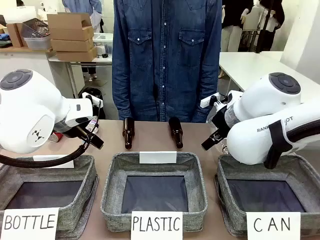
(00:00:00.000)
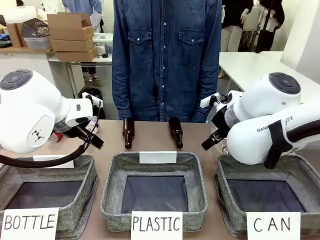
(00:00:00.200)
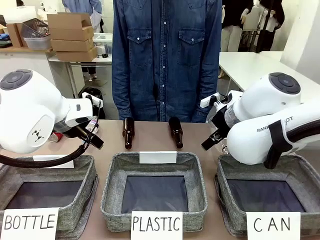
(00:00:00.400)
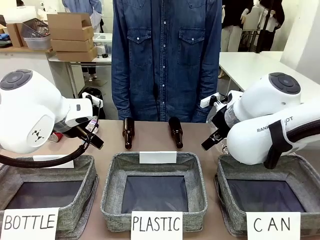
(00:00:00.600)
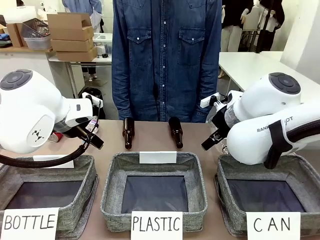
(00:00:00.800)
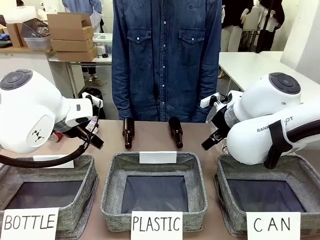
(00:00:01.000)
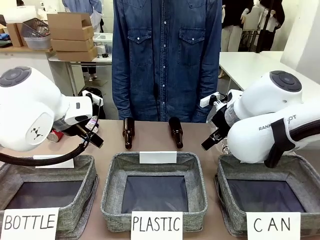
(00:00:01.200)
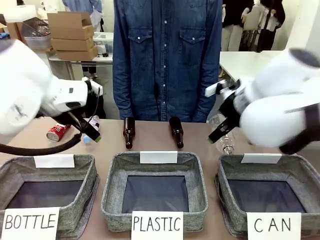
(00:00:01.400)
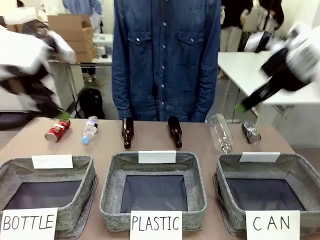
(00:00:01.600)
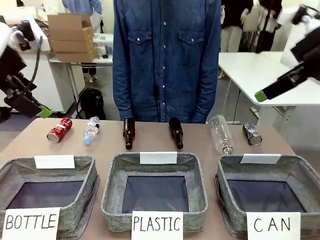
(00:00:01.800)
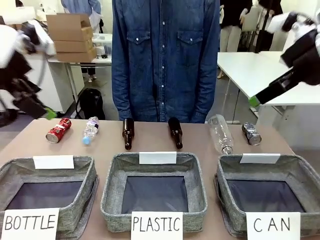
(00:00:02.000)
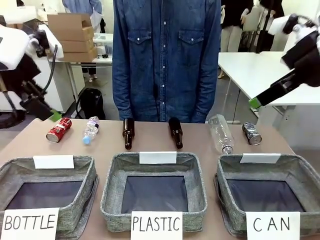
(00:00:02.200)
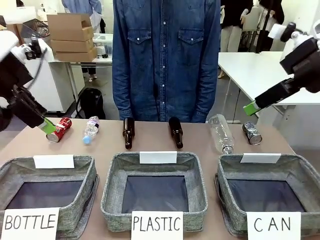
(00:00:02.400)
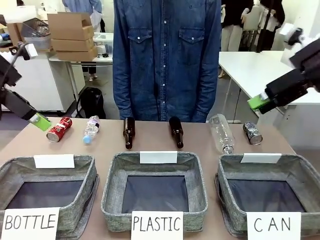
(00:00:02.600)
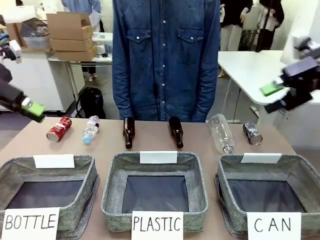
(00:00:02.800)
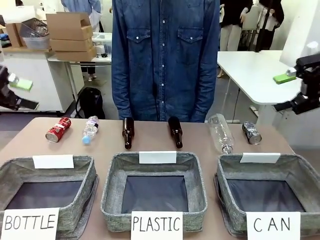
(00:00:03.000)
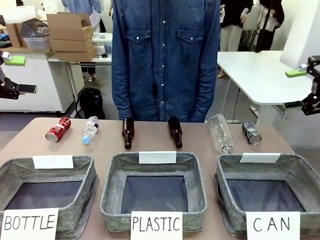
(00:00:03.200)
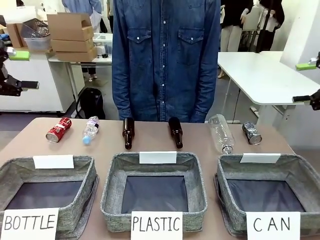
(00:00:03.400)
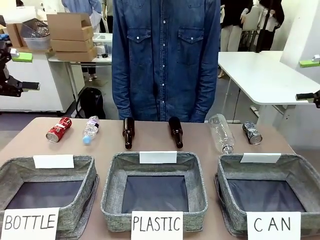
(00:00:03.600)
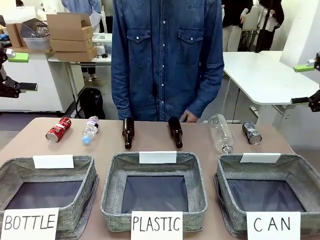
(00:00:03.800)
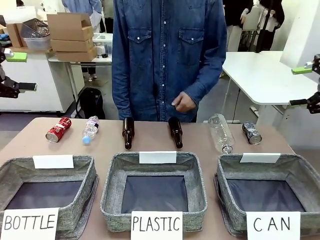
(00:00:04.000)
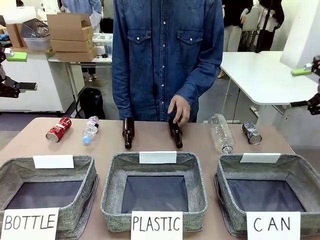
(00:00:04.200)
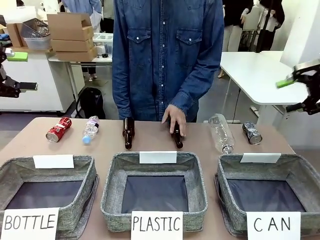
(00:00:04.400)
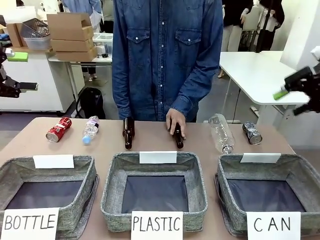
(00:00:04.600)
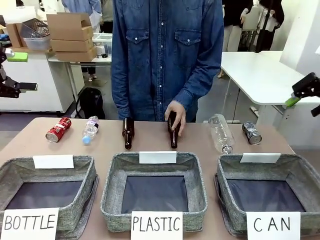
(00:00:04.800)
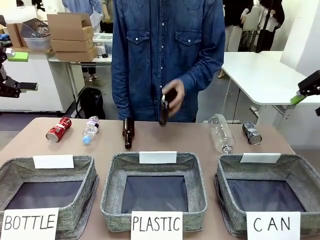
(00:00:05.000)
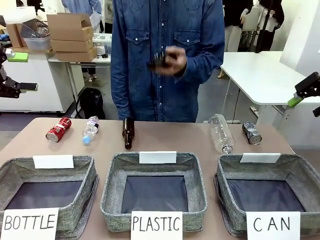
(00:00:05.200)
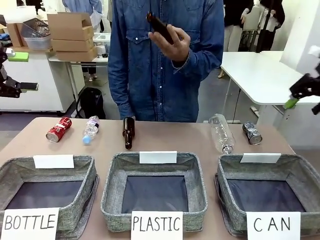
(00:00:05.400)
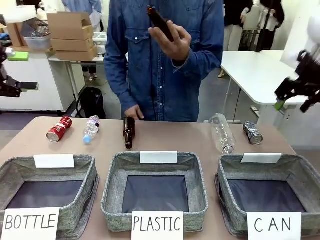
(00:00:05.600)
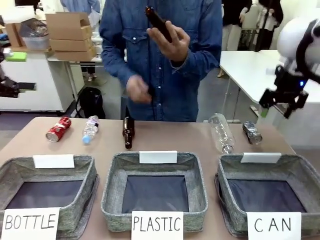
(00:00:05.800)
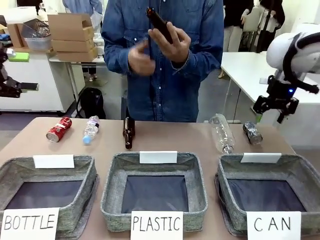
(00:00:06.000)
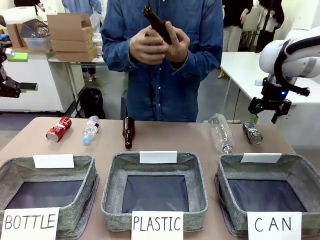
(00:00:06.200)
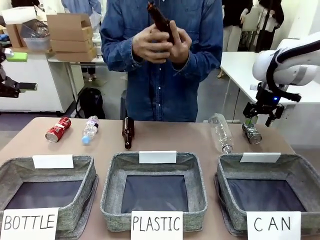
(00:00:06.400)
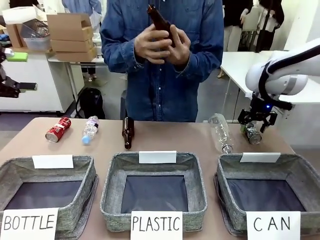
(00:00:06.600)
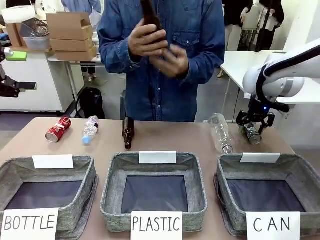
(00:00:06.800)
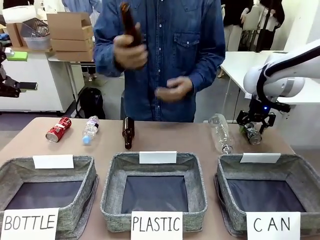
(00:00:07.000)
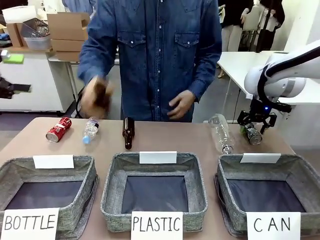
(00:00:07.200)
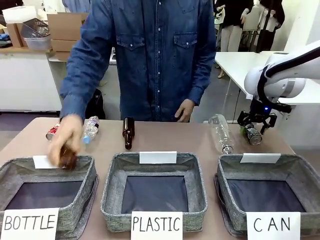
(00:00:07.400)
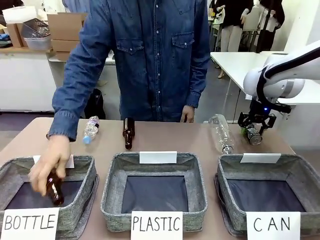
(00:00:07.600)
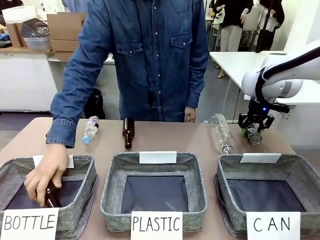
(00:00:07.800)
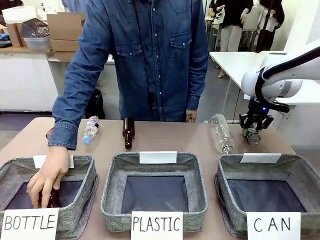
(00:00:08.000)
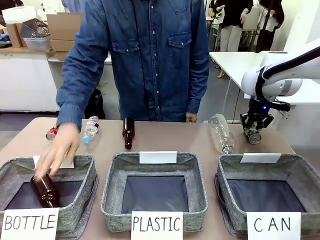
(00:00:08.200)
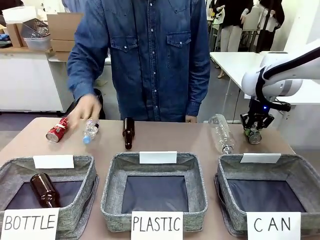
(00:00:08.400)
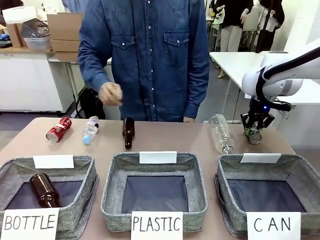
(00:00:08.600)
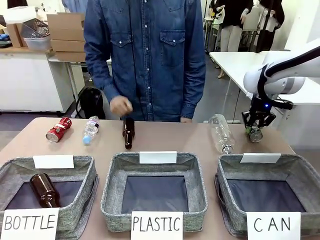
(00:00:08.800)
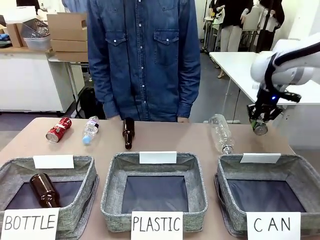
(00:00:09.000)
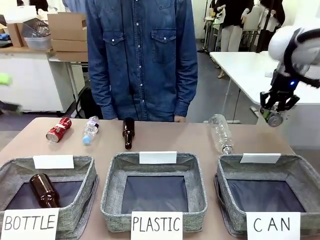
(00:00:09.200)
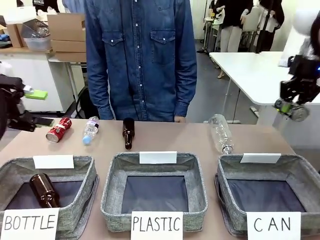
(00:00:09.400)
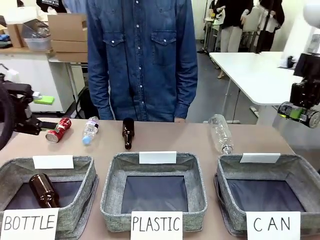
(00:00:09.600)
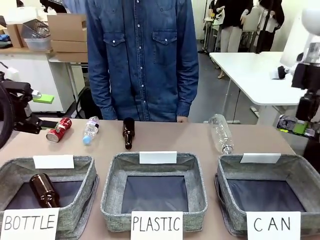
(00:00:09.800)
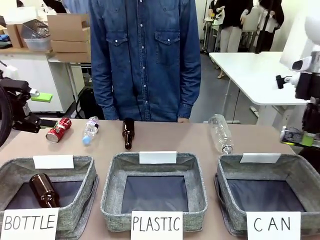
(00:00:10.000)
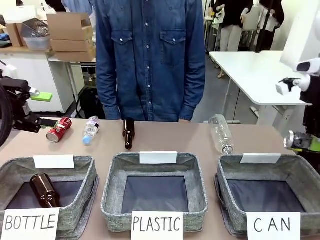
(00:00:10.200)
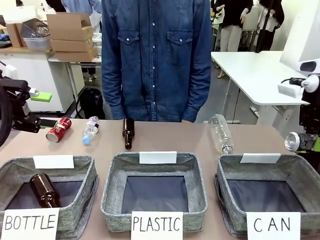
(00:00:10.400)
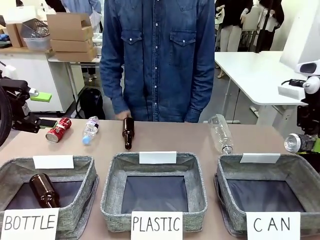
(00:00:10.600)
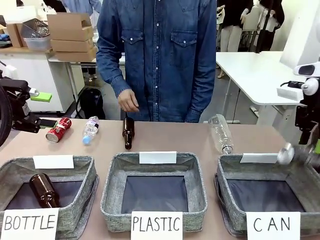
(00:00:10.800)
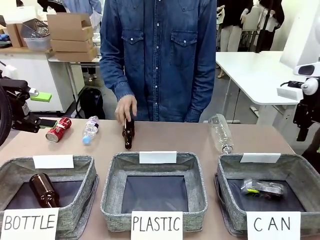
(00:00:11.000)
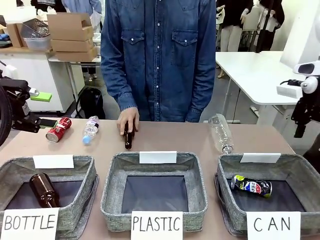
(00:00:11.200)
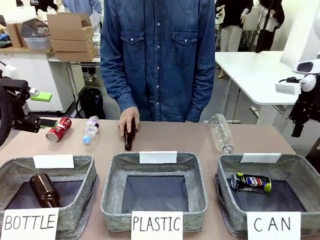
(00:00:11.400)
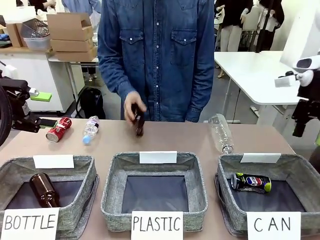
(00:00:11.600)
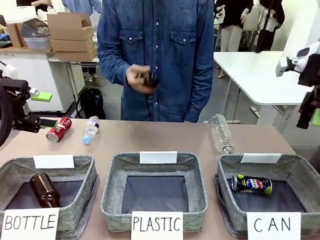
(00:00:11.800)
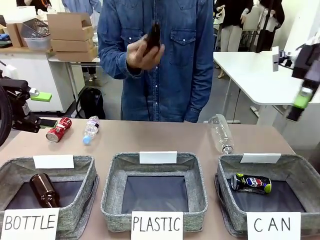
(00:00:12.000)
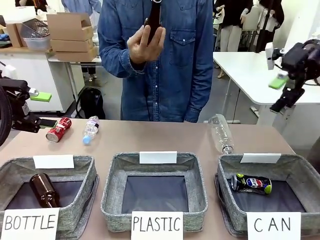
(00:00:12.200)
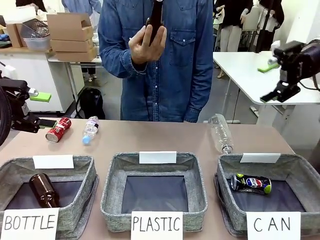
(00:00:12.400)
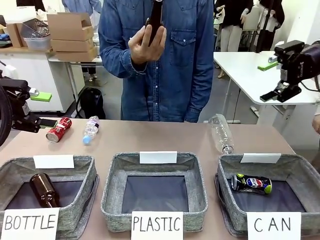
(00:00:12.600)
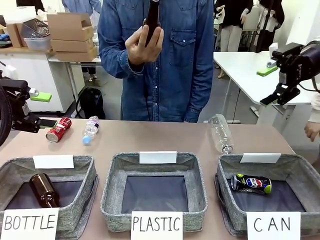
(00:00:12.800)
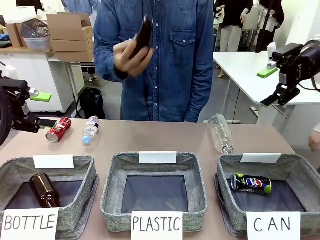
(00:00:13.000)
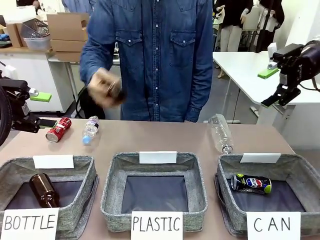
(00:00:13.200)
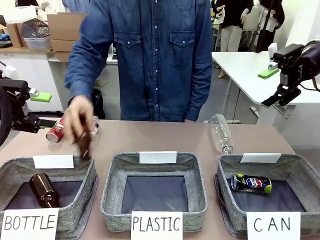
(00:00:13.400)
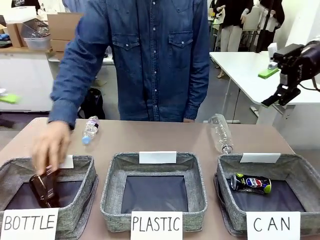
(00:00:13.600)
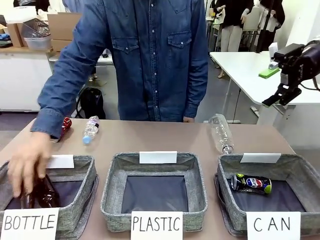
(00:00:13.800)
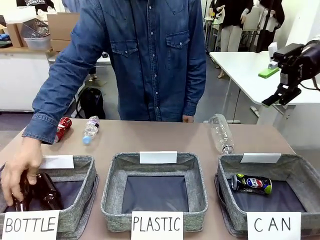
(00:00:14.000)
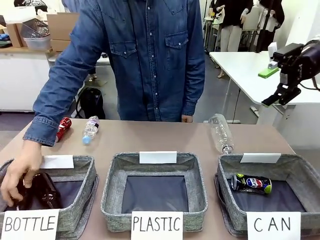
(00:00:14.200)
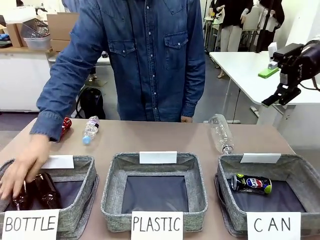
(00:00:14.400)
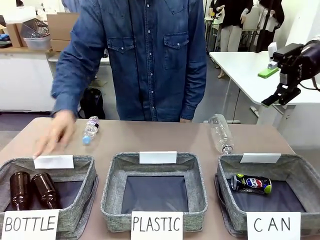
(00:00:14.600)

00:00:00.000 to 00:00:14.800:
Task: Sort the can waste into the basket.
Robot: Pick up the can waste from the table and place it in the right Fabric basket.
